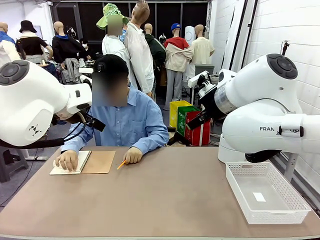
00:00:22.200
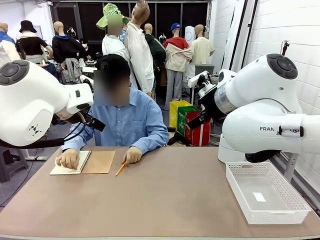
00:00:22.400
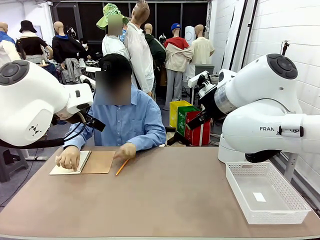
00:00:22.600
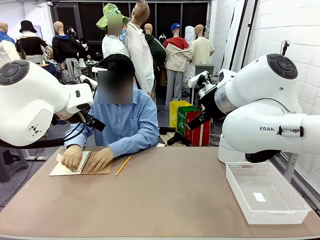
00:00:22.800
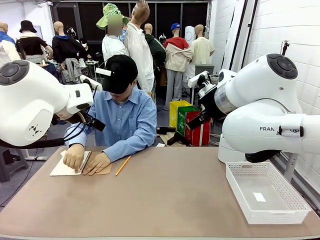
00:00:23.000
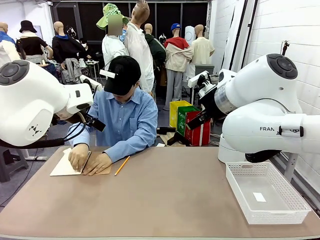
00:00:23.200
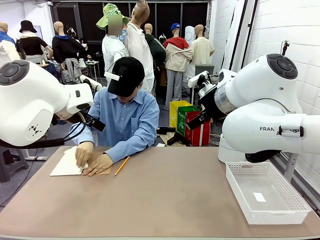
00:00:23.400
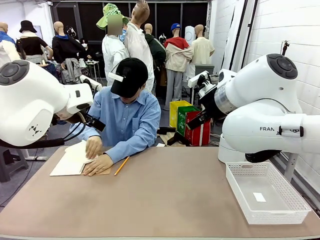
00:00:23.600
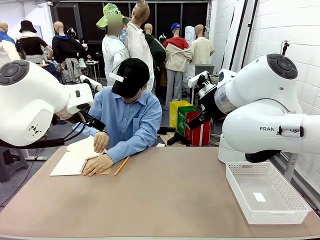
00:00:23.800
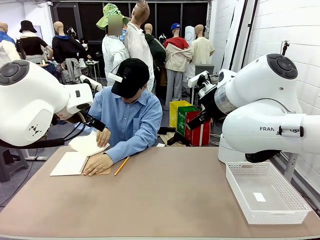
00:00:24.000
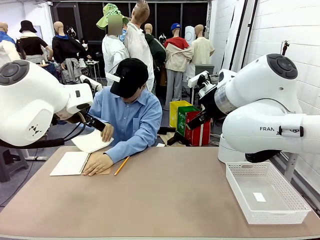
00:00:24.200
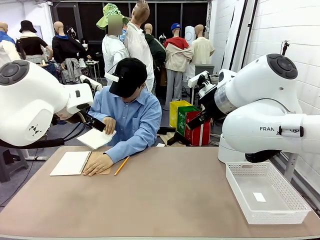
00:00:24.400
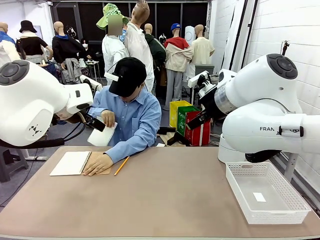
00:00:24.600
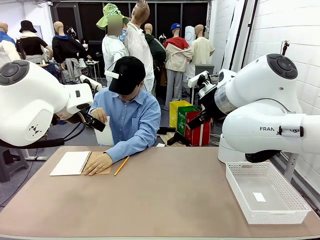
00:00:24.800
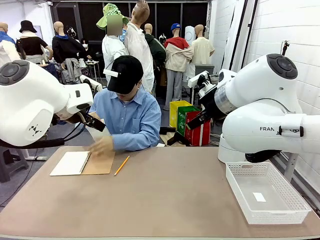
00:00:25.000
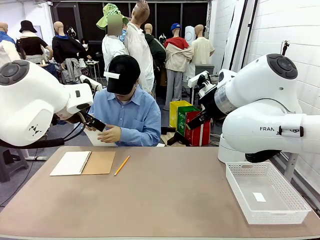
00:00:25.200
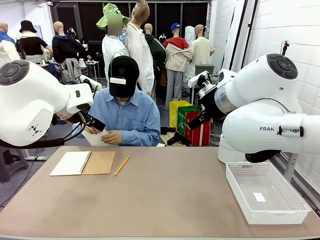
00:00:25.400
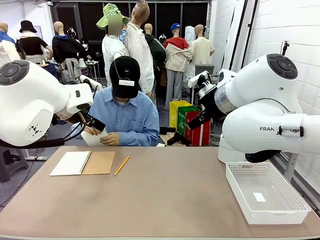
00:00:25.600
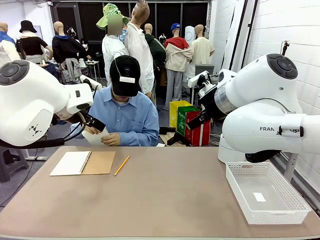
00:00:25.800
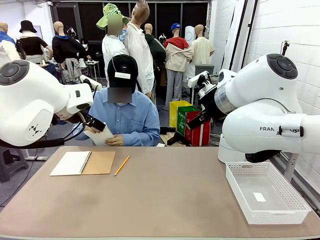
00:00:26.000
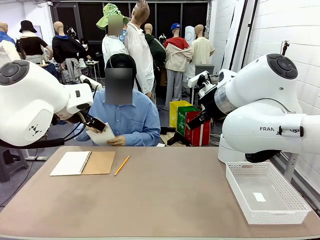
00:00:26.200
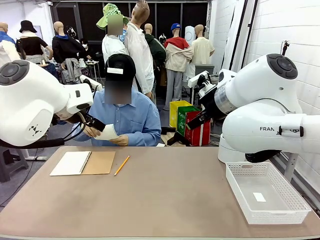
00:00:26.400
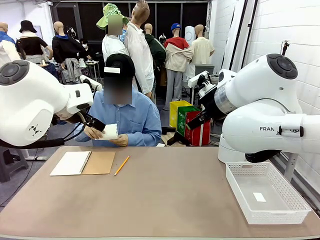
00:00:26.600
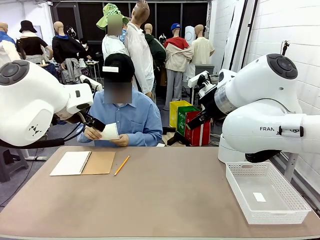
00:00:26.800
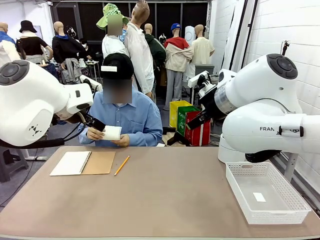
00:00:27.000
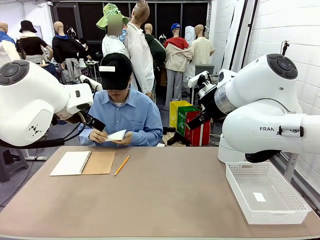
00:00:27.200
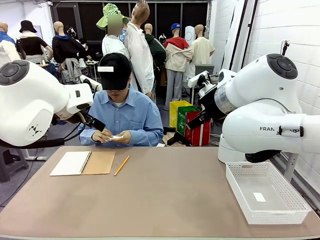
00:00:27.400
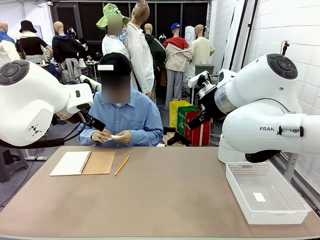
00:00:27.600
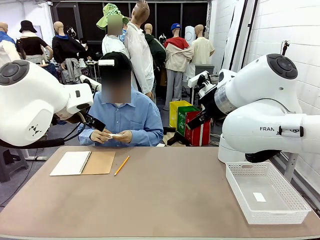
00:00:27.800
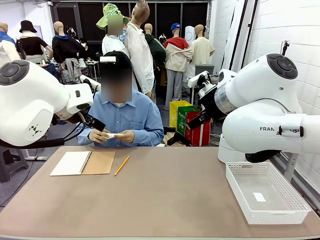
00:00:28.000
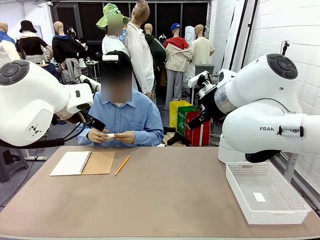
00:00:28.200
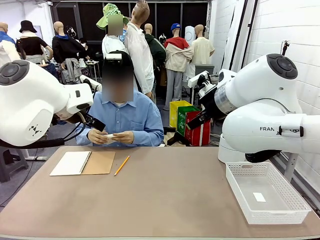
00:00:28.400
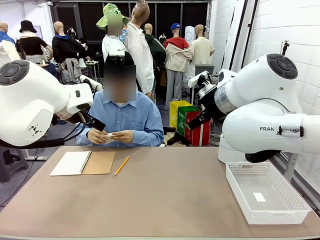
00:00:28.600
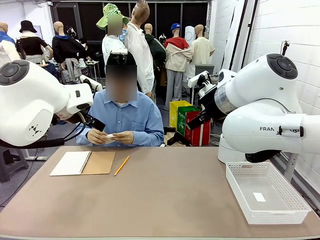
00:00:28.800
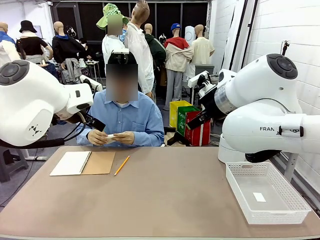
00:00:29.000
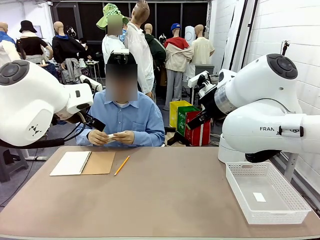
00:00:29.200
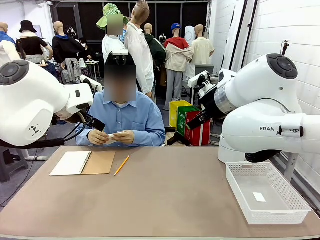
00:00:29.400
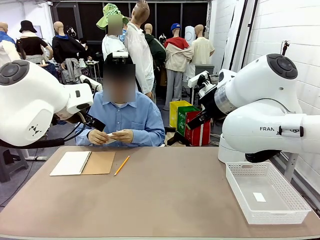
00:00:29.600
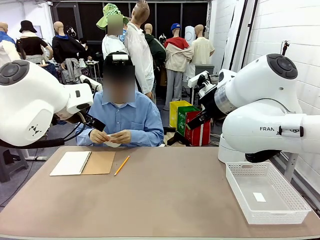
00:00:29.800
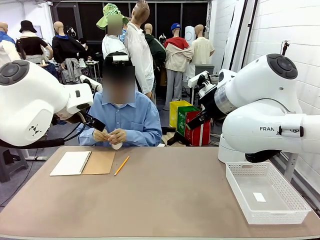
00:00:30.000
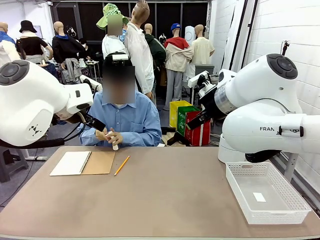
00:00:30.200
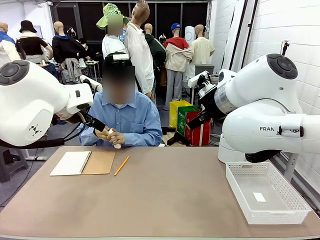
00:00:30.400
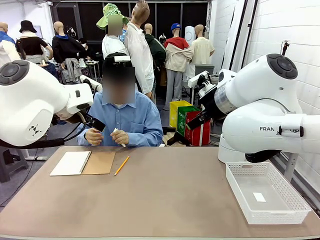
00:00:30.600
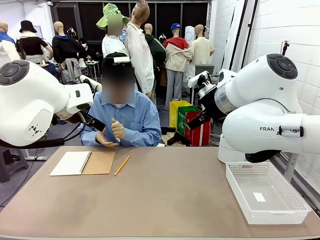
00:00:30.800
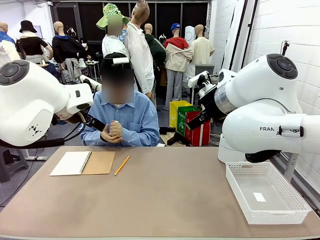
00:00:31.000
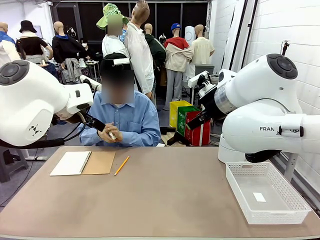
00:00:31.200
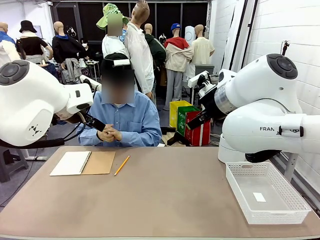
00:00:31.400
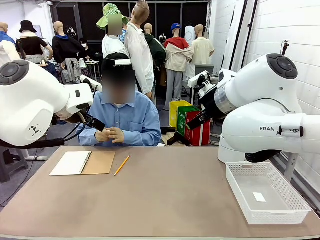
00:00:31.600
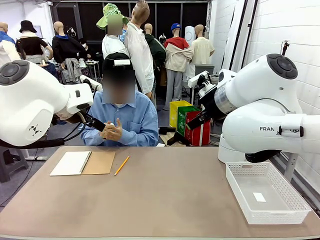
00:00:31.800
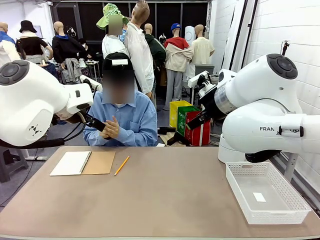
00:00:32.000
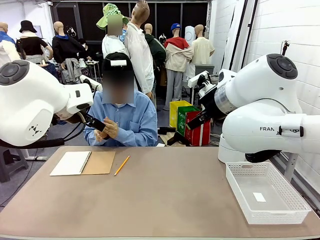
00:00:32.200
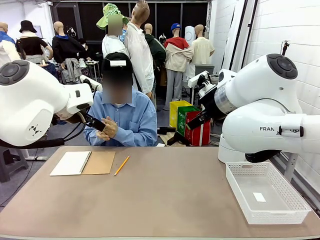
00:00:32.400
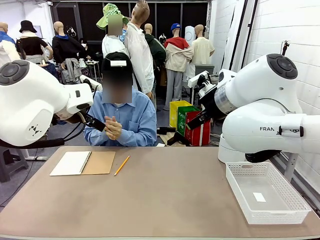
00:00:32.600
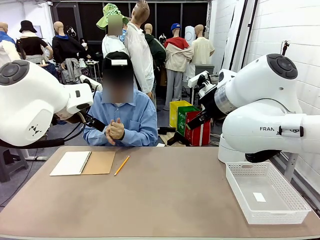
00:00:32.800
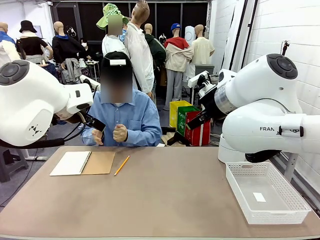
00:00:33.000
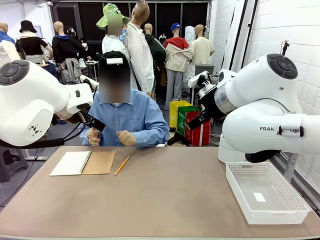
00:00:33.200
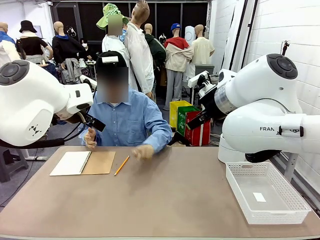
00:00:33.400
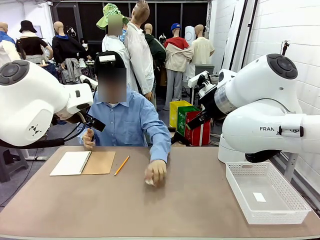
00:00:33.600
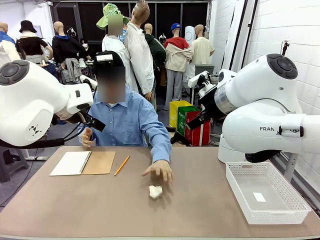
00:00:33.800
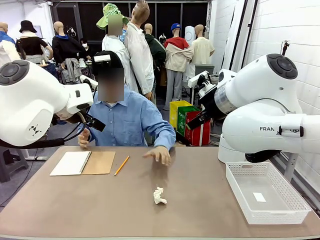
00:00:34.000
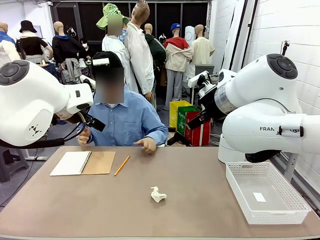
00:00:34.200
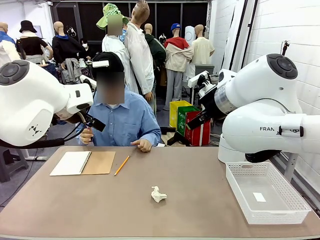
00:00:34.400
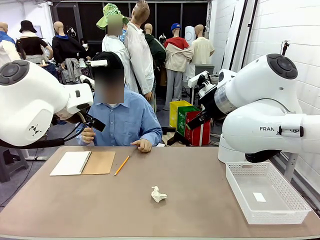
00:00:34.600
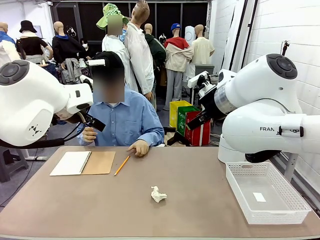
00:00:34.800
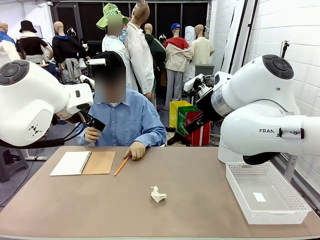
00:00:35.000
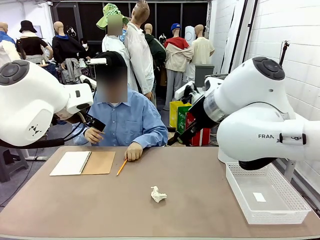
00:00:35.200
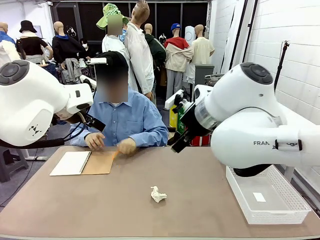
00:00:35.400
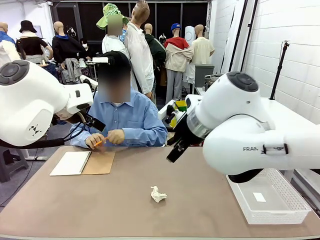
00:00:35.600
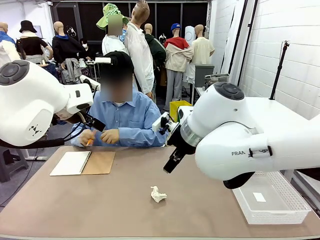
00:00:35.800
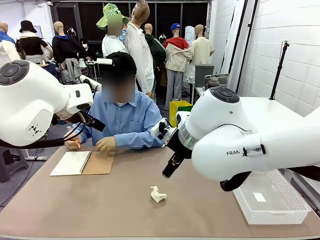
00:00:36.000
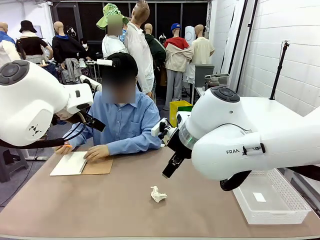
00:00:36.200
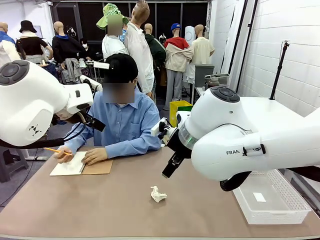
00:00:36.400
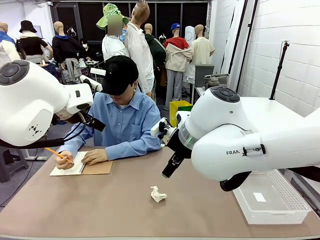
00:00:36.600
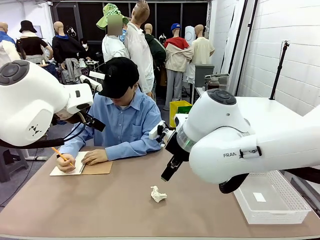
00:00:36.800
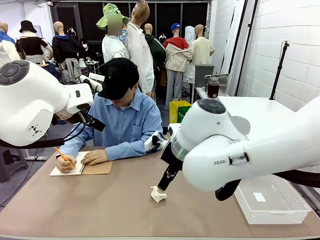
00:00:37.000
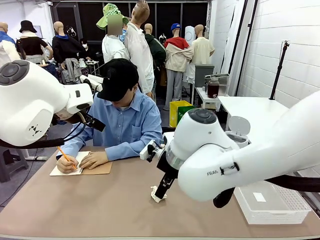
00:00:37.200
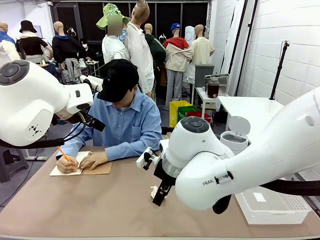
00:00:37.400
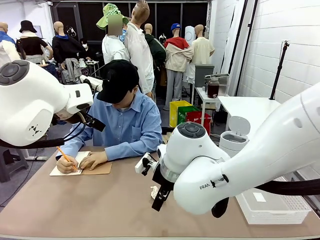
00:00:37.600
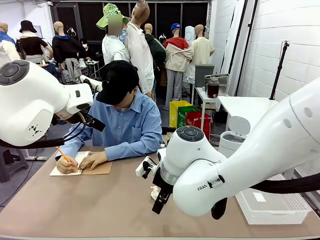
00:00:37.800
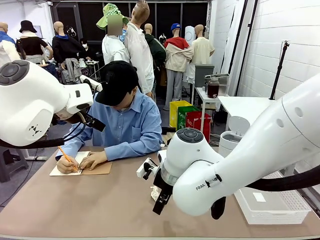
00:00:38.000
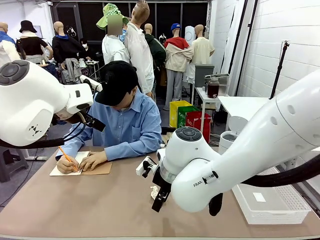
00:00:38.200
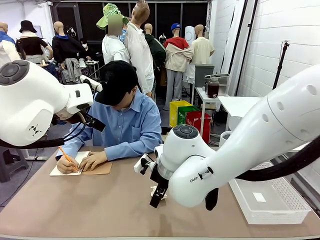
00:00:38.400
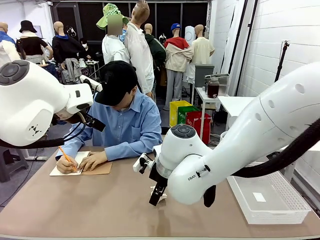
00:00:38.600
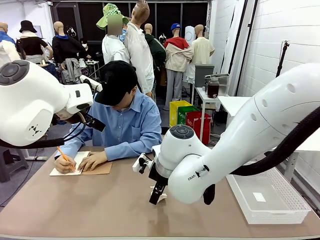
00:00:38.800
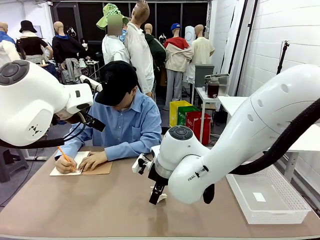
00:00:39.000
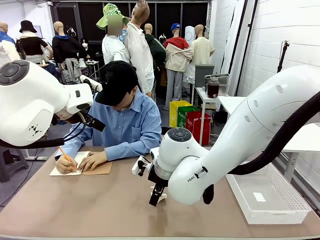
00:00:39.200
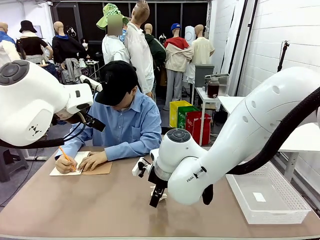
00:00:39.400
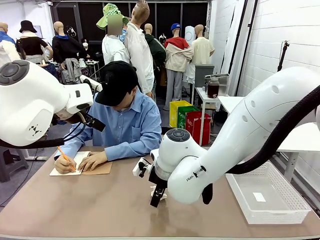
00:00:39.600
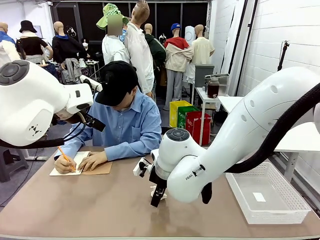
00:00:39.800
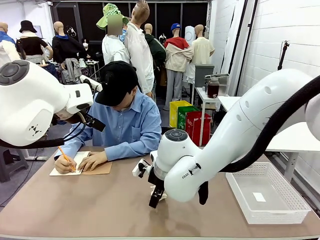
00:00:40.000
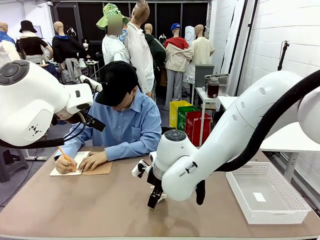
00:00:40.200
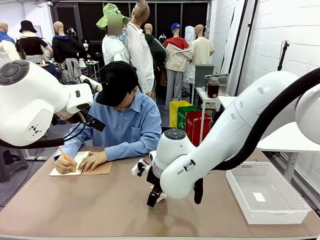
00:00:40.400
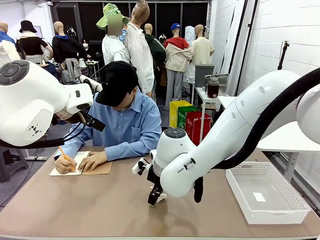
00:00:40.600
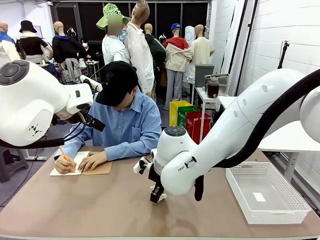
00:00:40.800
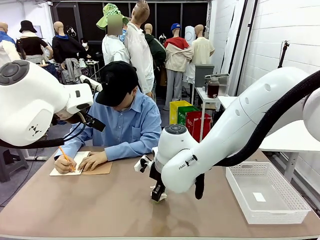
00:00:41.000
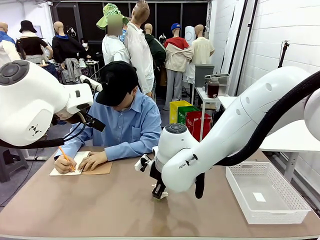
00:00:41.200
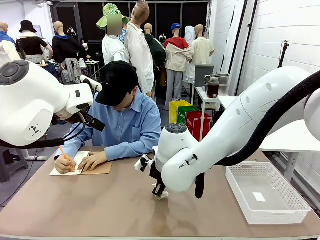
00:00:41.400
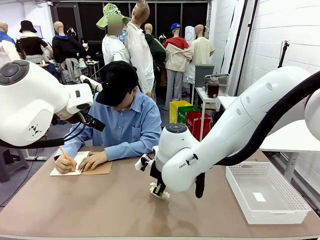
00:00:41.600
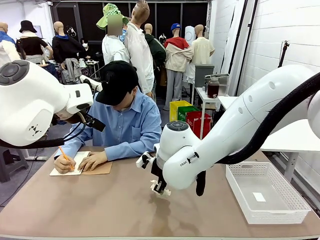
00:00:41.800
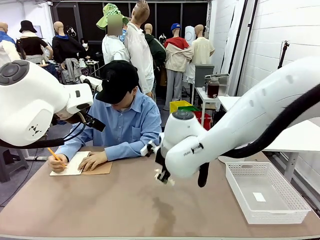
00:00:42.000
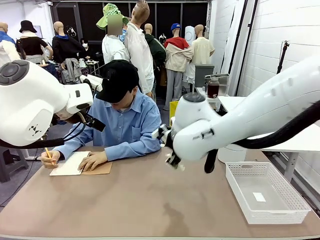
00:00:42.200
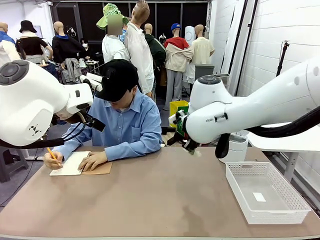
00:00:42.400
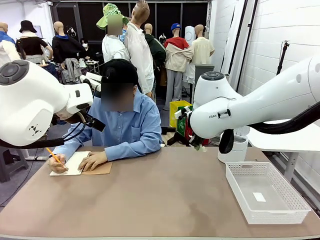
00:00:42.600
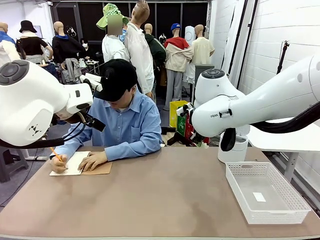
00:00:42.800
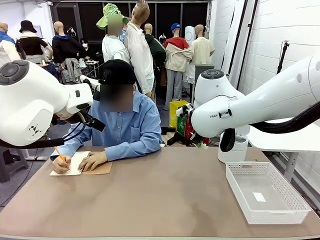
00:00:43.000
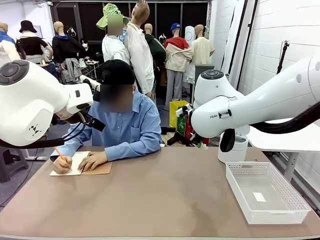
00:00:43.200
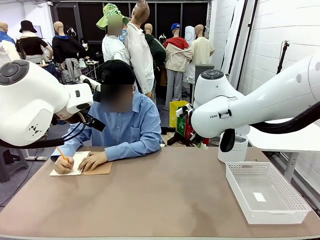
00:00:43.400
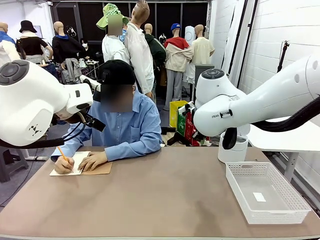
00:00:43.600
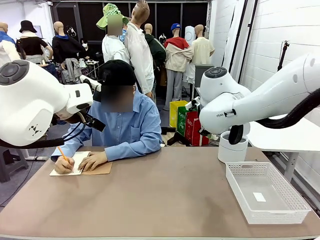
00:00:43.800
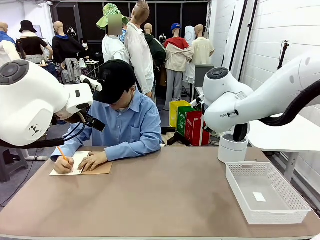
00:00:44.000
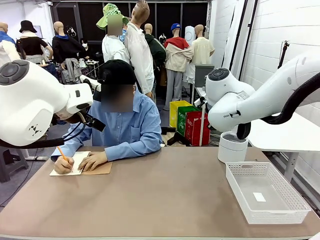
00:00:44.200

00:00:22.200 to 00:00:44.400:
Task: Sort the paper based on its condition.
Robot: If a person hands you a paper, place it in the Organizing basket , and if it's crumpled, put it in the Trash can.
Person: Hand the torn page to the robot or crumple it and throw it to the center of the table.
